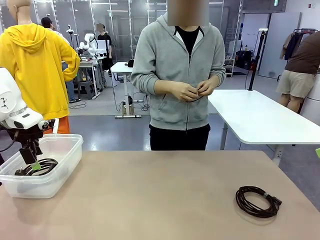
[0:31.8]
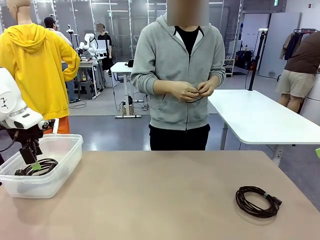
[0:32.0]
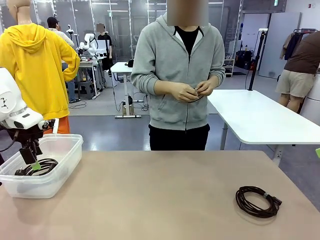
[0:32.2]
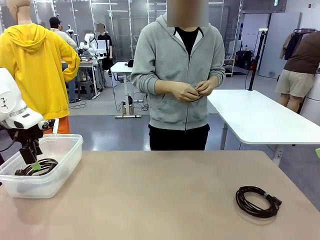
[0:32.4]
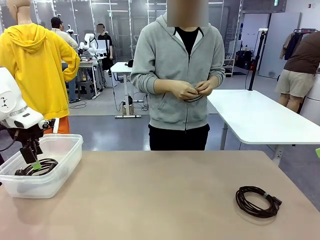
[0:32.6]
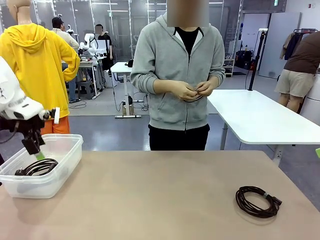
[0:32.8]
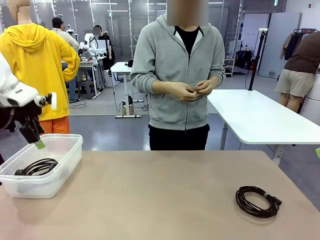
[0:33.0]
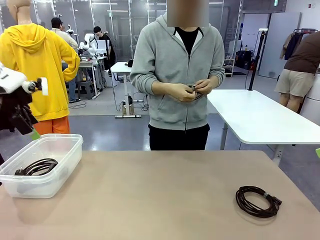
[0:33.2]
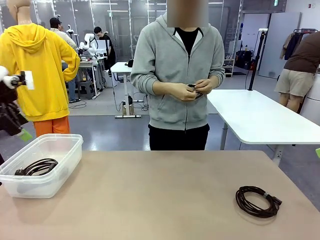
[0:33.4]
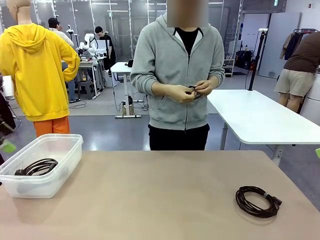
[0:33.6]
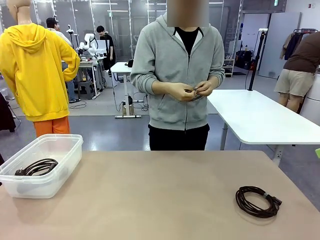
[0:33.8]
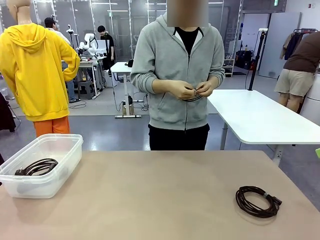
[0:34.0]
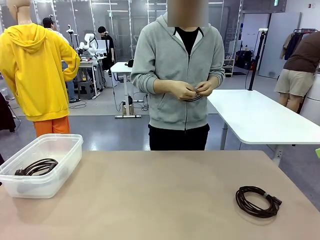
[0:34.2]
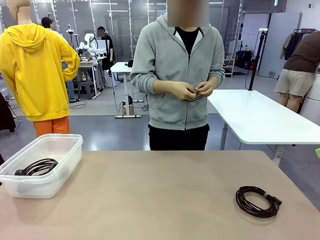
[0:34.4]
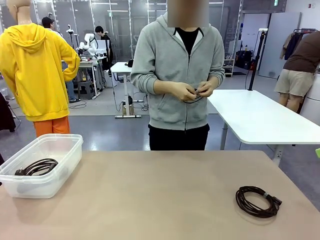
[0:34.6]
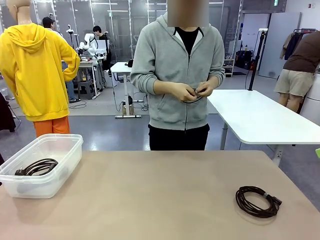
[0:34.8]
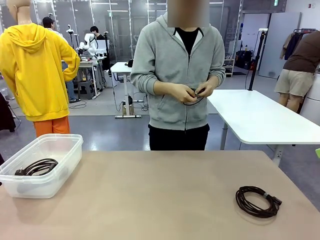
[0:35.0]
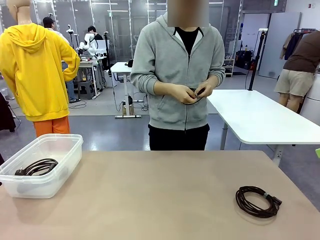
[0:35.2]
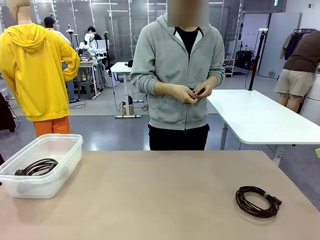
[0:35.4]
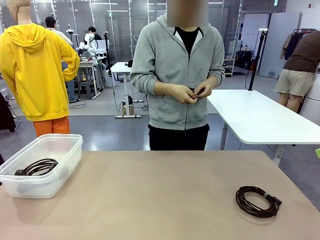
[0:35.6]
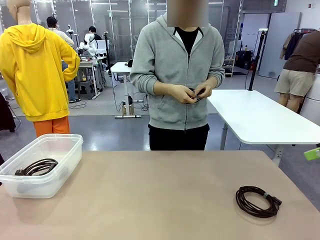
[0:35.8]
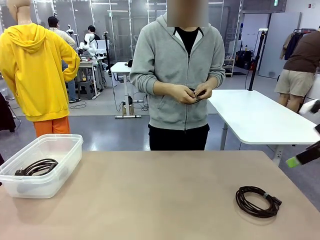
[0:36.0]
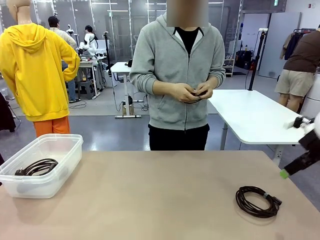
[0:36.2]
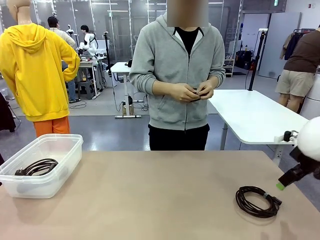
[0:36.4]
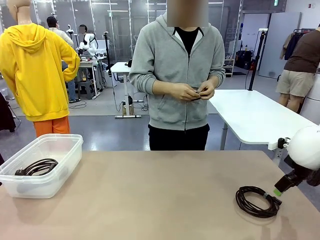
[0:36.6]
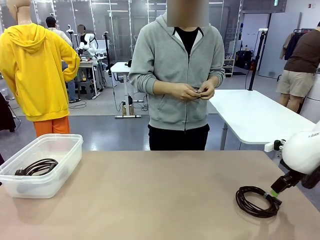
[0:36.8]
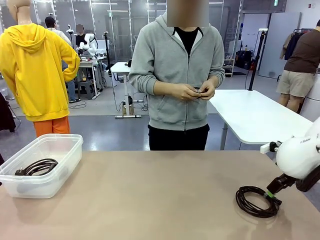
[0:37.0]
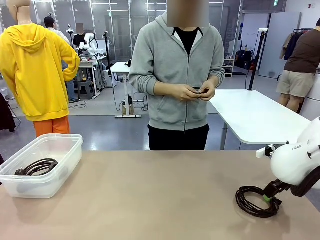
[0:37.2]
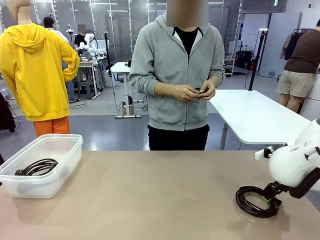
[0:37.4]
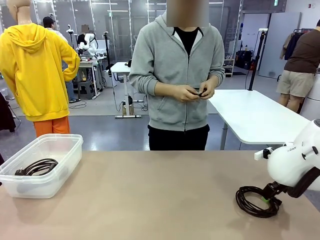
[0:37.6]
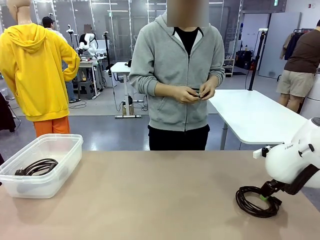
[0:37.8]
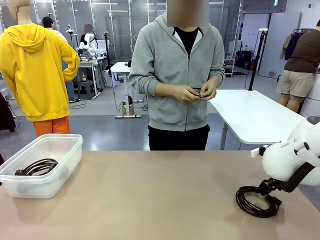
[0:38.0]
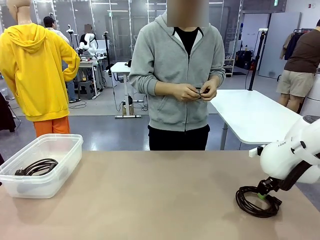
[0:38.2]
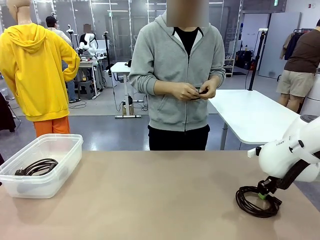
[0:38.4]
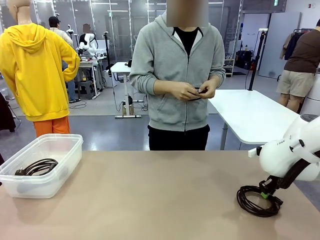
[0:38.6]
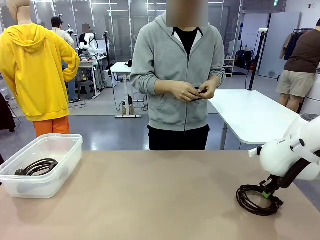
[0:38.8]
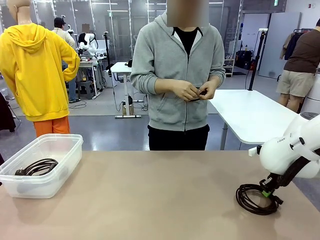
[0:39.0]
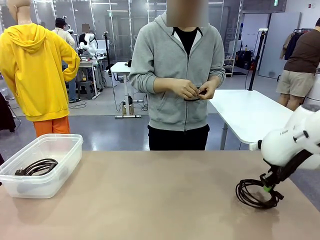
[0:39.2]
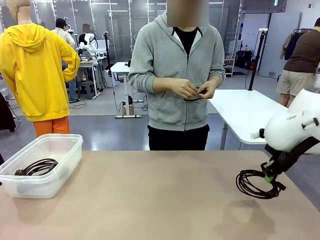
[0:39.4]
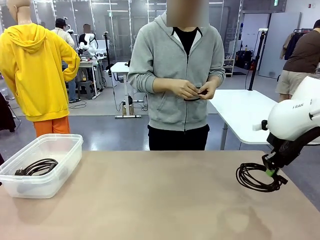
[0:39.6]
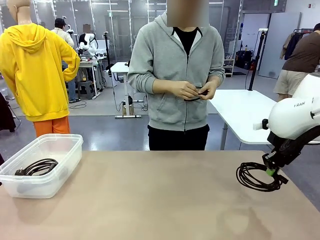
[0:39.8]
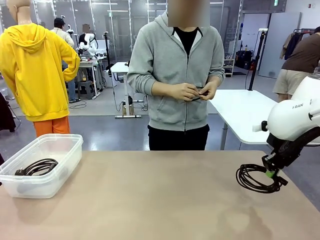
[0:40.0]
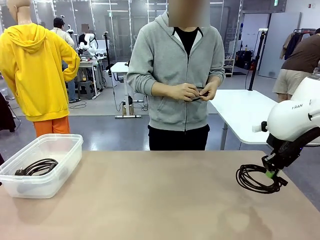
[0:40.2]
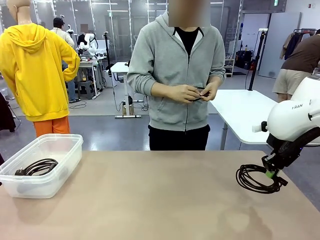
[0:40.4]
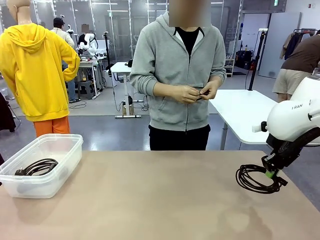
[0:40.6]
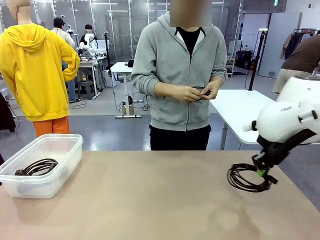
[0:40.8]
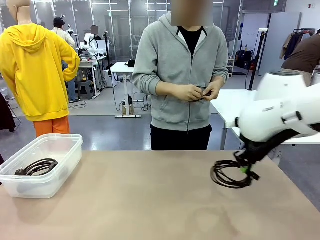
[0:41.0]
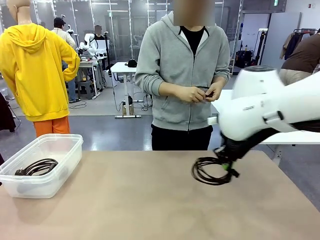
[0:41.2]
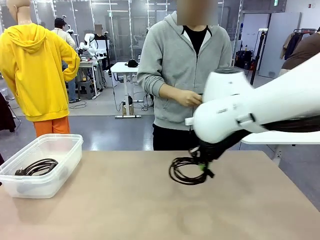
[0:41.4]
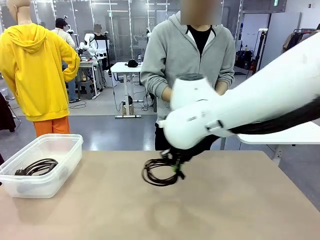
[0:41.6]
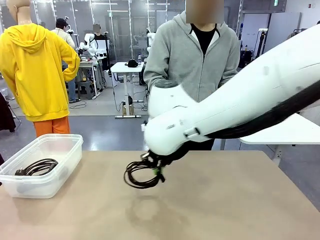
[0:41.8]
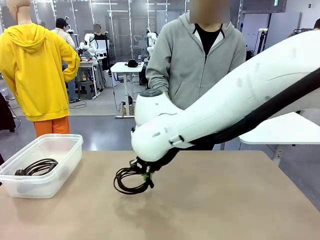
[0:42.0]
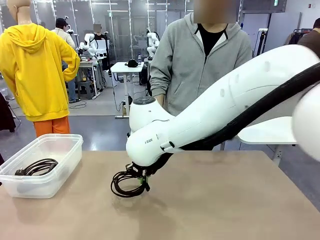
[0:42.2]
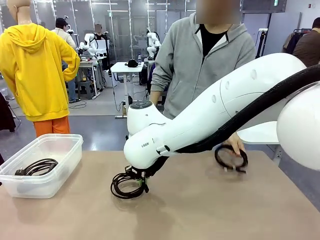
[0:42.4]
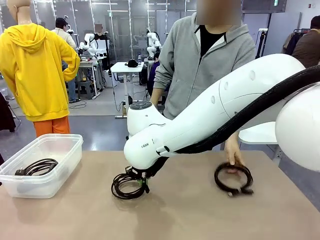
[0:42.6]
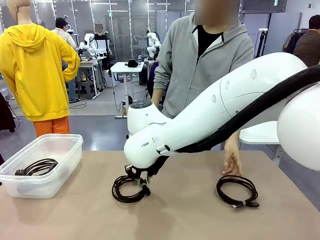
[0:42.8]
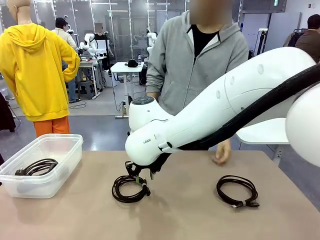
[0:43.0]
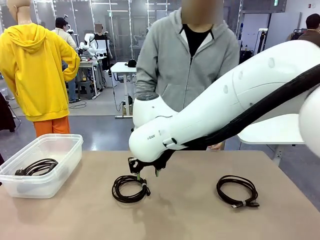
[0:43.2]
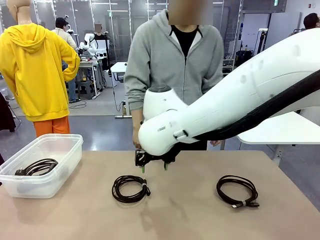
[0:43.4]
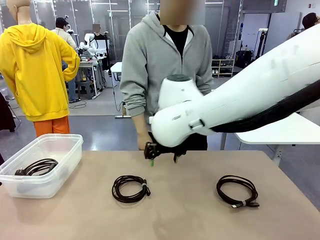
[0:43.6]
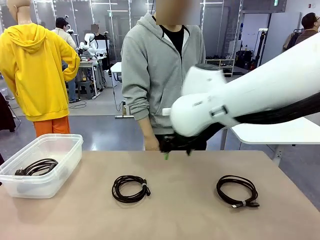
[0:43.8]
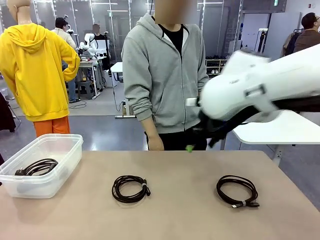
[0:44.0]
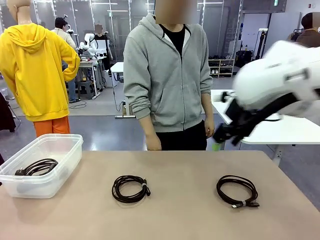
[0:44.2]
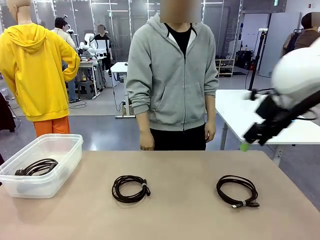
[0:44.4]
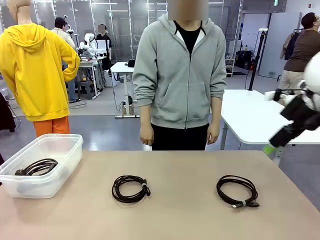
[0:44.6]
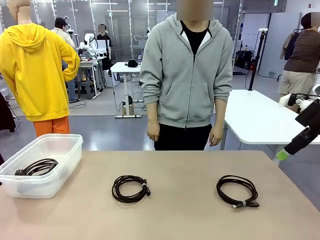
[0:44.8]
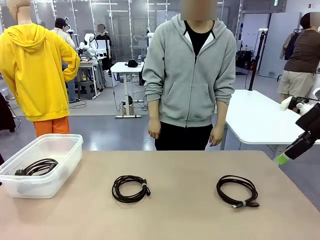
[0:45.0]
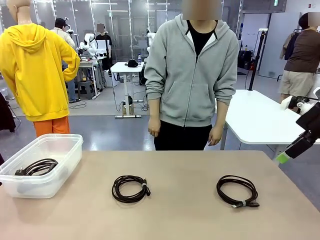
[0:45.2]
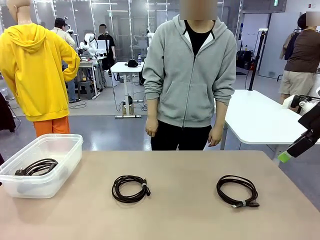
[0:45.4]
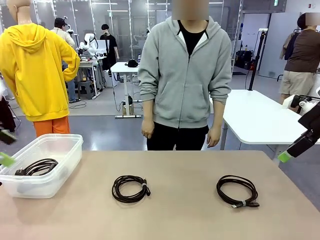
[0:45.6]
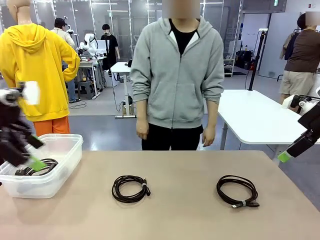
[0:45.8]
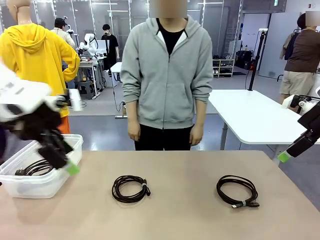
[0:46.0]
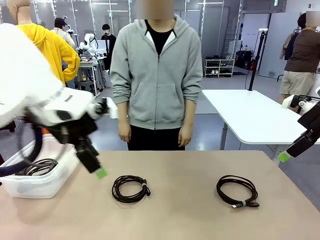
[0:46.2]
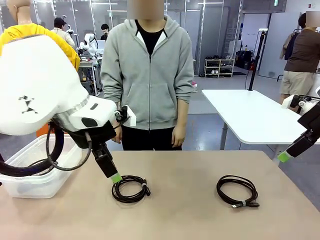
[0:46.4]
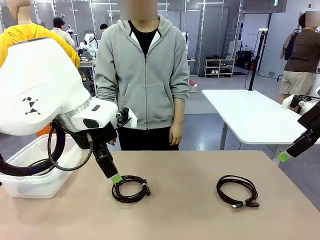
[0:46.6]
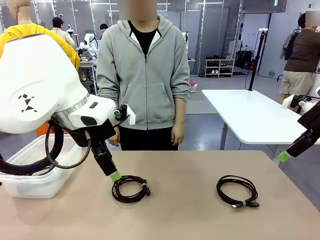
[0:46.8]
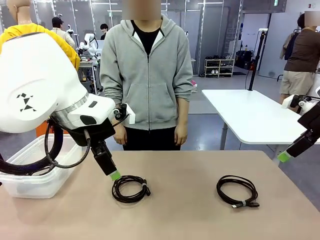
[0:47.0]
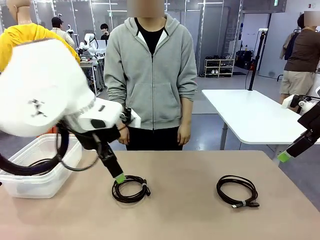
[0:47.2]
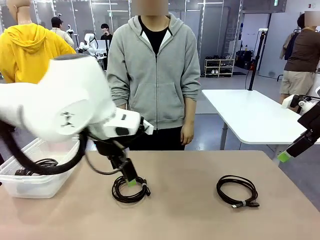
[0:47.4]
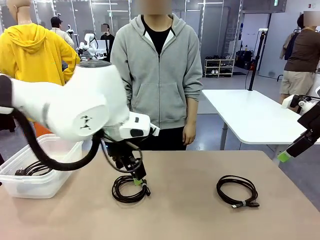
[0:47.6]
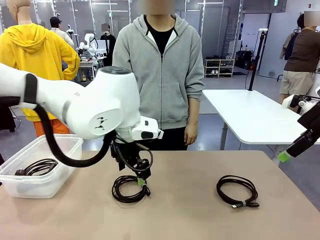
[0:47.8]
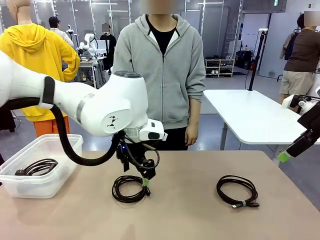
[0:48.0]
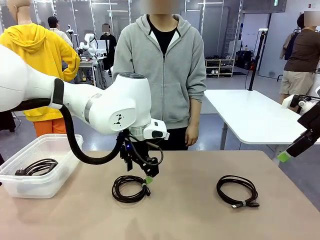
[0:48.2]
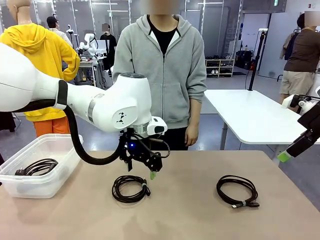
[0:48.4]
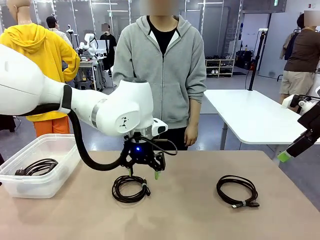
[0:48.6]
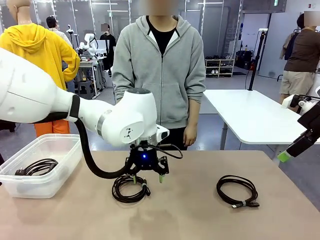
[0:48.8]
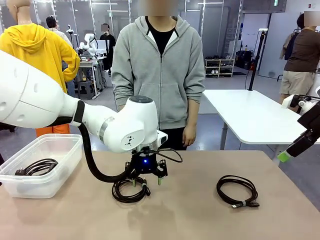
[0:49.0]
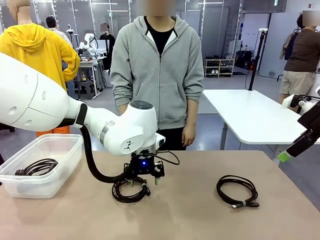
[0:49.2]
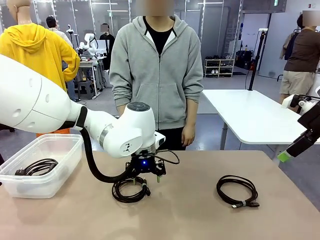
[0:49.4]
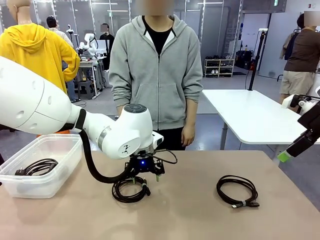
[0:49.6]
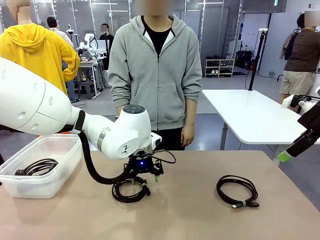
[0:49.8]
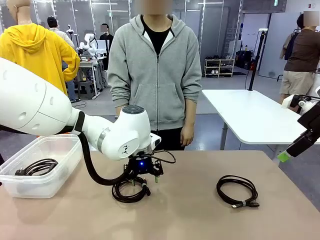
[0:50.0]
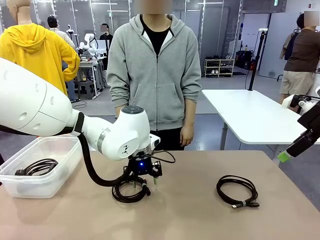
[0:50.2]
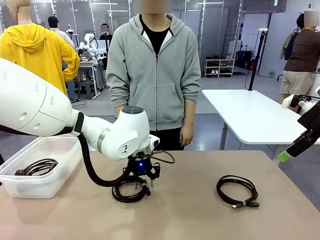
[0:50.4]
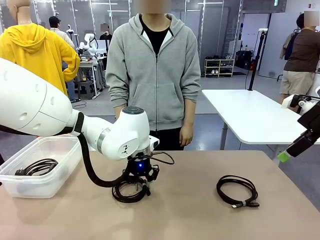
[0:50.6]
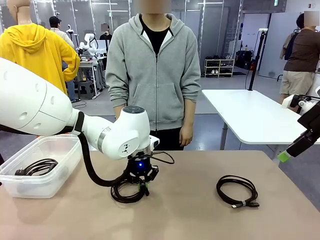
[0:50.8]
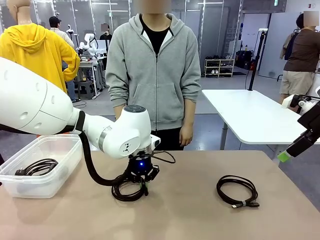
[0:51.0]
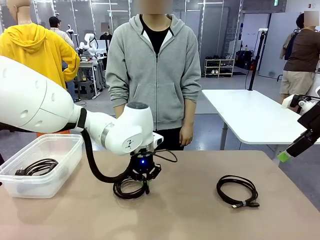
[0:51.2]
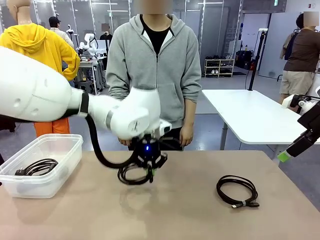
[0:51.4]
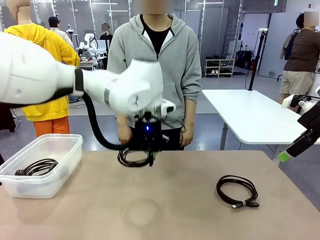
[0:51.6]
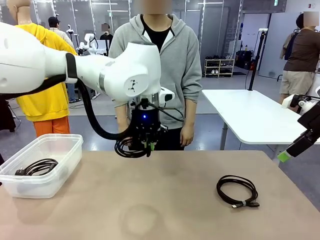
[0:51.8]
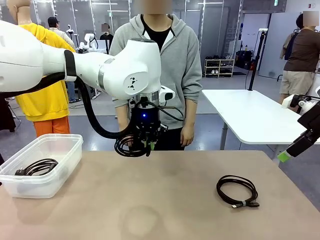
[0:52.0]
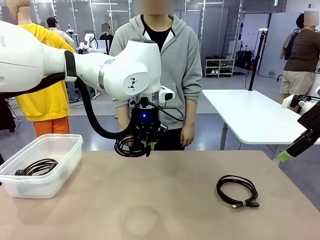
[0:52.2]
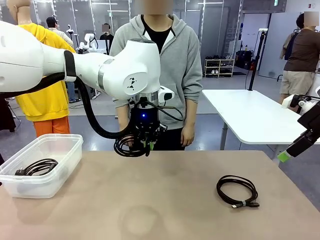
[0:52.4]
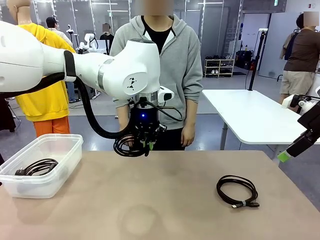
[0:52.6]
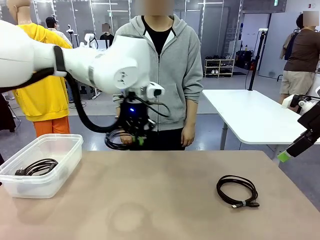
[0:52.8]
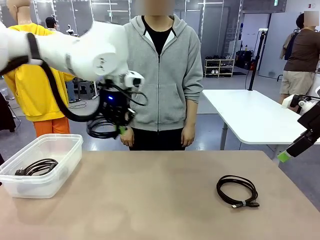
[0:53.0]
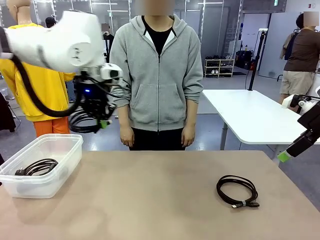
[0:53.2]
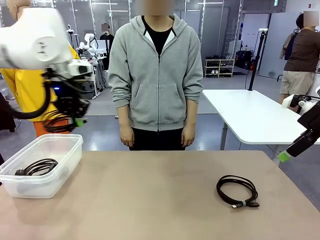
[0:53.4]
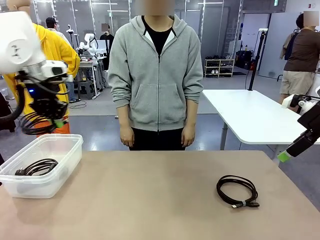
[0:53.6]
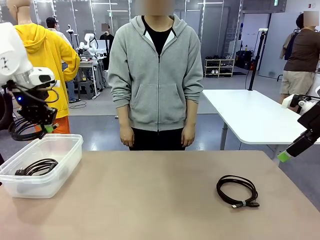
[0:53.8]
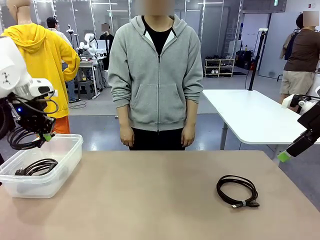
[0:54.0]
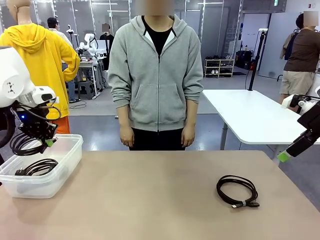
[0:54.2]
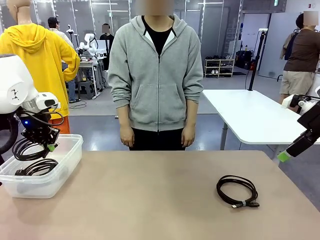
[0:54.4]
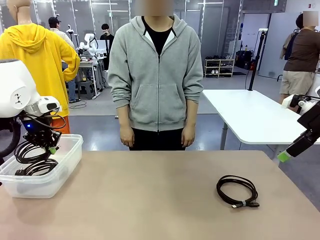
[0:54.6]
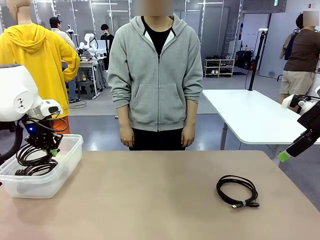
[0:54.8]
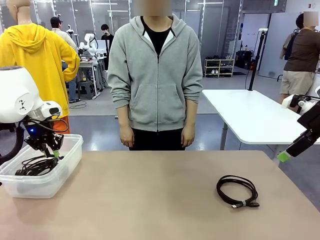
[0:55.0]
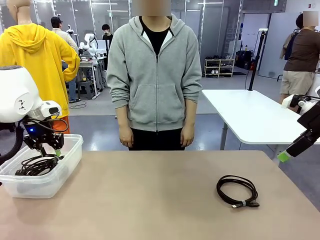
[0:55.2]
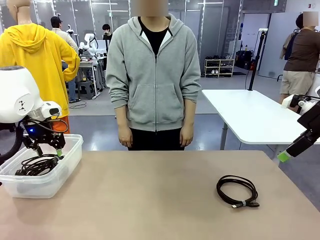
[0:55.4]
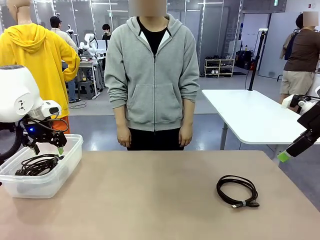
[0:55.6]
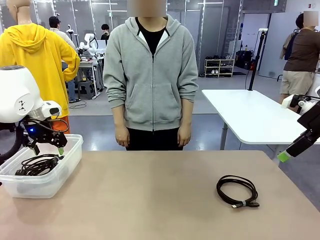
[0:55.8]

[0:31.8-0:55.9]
Task: Organize and store the cables.
Robot: Place the USB Extension Cable into the Organizing box.
